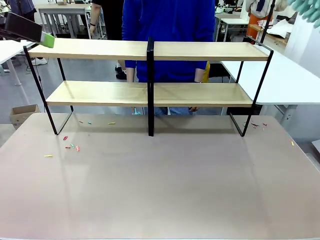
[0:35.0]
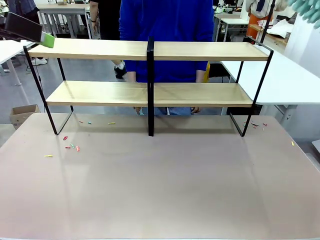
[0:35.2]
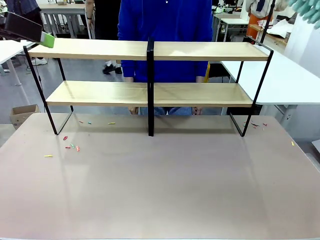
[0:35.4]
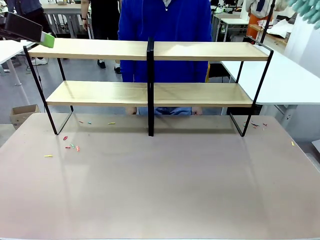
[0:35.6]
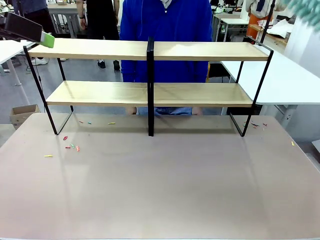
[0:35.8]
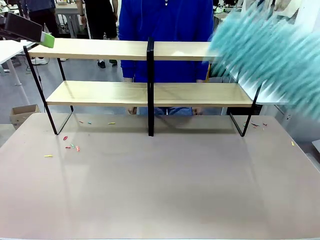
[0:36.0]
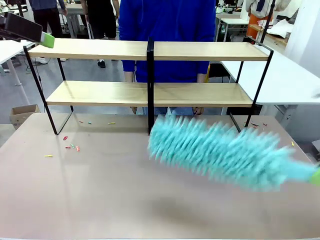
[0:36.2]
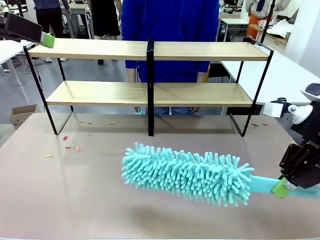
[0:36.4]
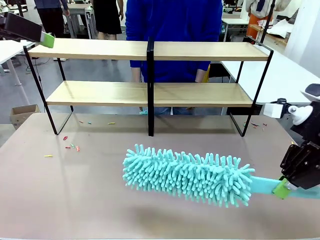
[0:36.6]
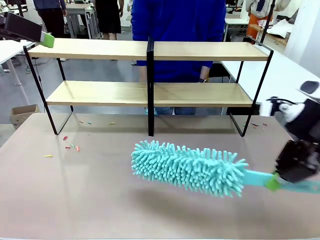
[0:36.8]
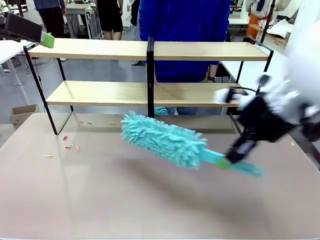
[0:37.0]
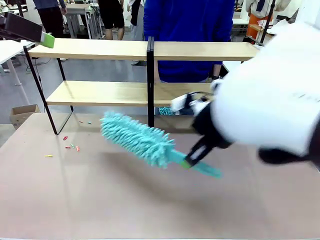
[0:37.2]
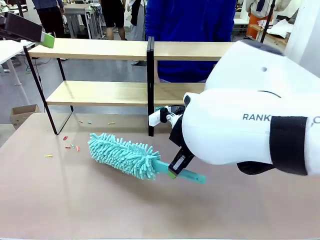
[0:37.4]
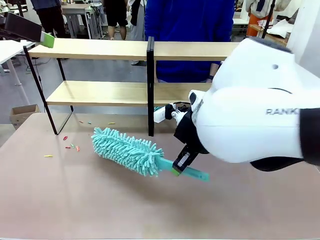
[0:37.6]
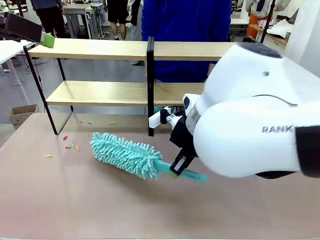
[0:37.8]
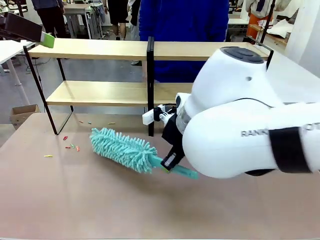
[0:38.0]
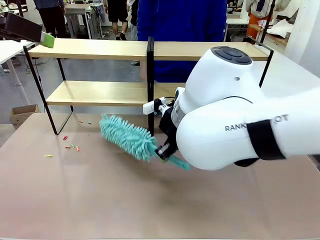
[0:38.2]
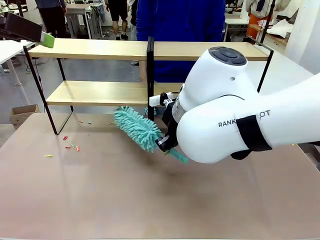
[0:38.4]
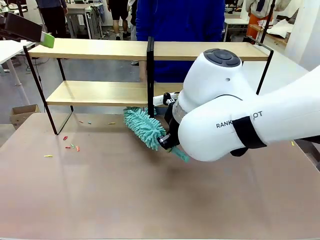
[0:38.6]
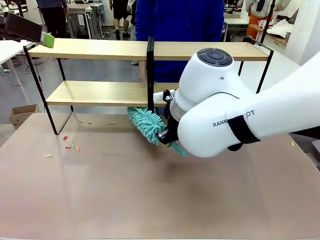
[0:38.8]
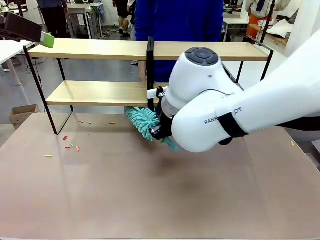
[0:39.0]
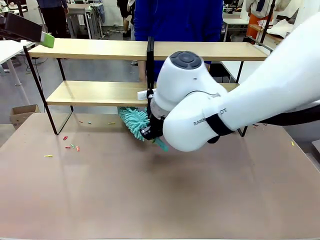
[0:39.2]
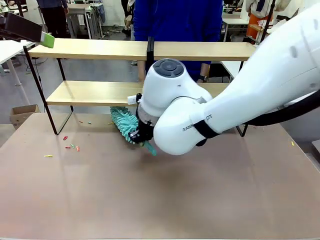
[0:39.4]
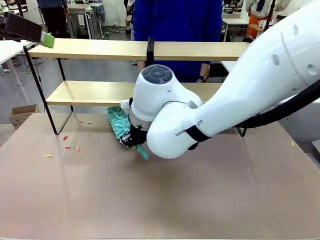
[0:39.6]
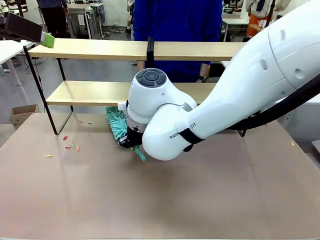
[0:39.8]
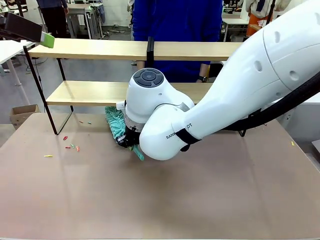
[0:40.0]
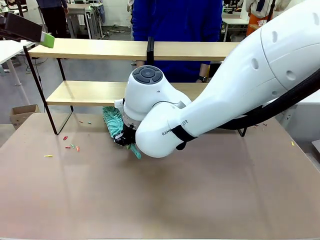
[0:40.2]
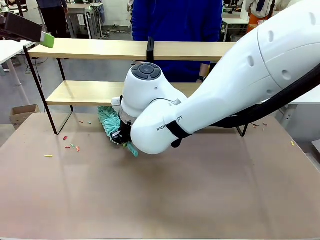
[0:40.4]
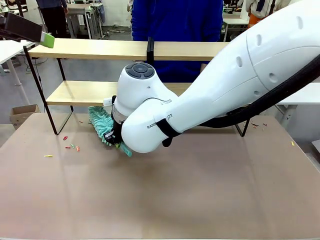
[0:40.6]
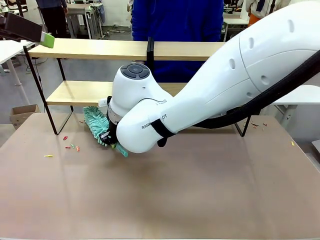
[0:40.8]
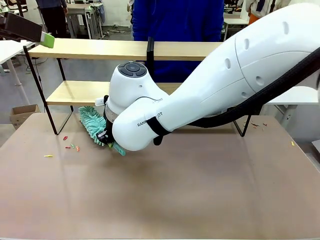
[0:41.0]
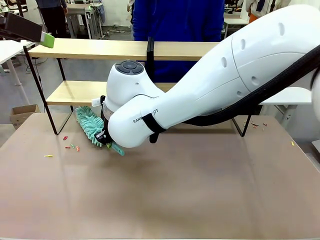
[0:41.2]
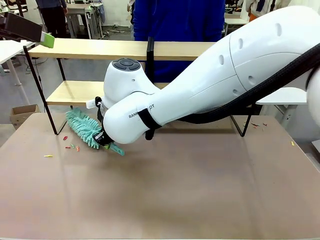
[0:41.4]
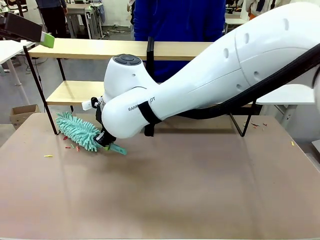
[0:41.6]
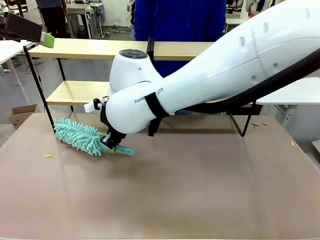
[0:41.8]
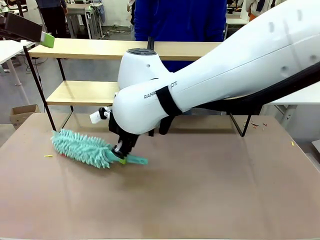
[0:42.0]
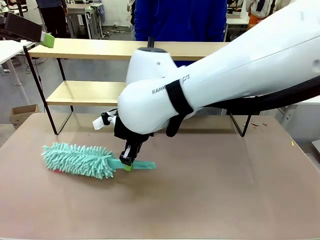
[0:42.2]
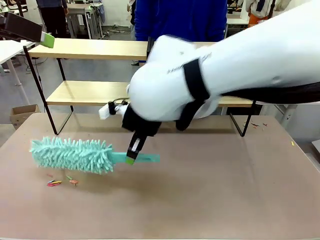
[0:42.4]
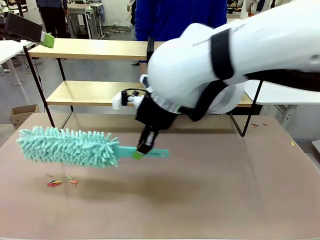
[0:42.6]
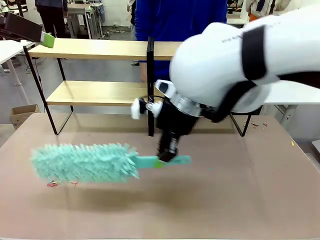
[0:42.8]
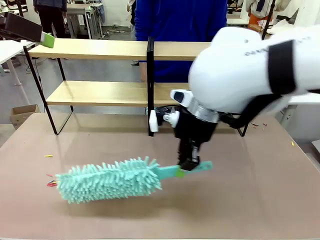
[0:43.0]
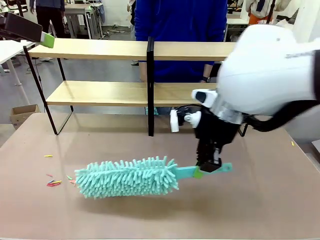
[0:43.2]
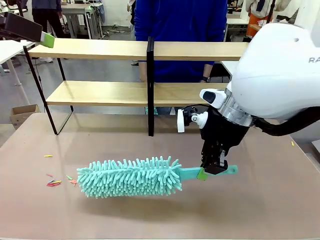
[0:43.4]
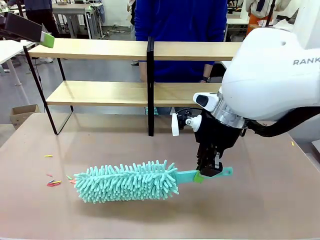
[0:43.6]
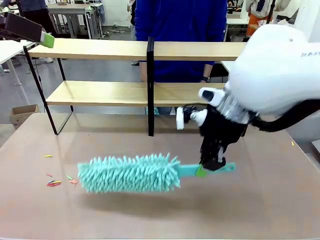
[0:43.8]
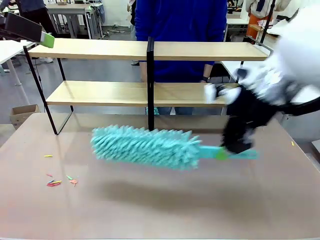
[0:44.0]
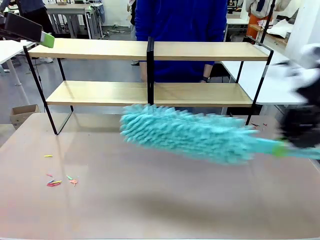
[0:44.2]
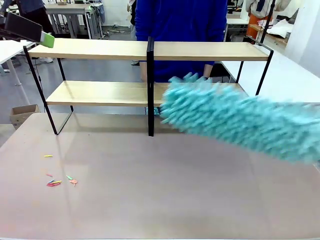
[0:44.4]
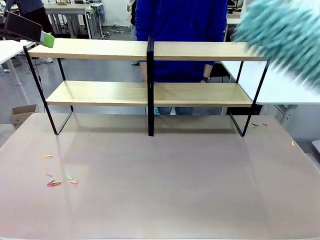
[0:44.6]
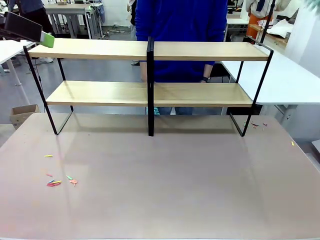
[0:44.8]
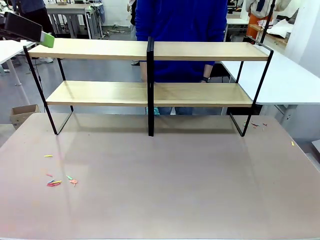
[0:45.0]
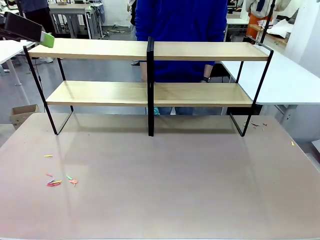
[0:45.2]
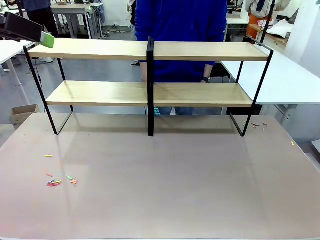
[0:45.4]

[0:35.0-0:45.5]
Task: Clean the shelves.
Robot: Clean another randomly selected level of the Shelf with the Duster.

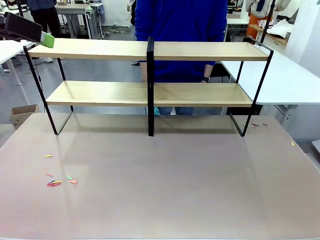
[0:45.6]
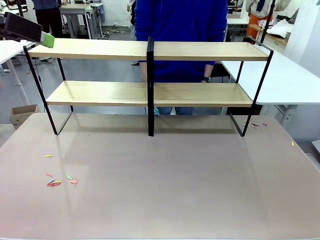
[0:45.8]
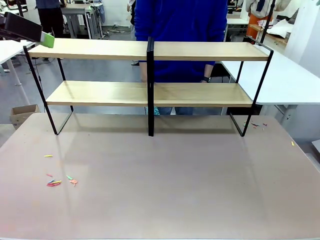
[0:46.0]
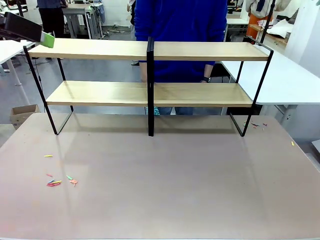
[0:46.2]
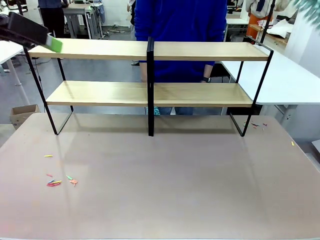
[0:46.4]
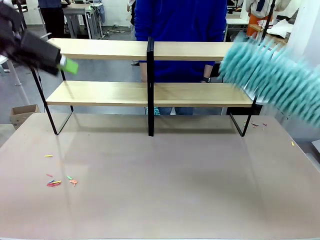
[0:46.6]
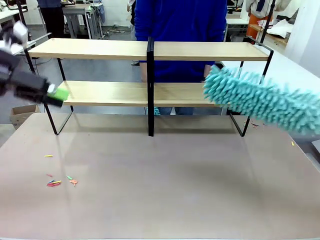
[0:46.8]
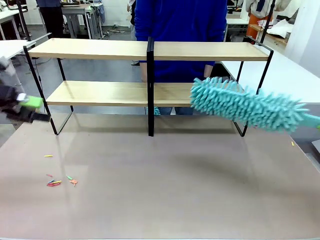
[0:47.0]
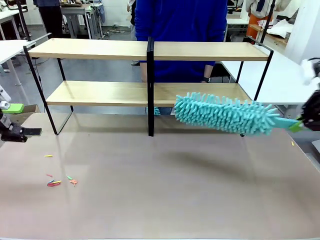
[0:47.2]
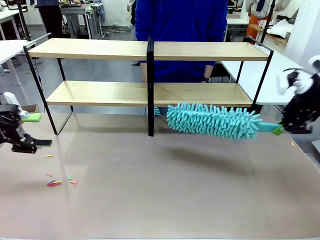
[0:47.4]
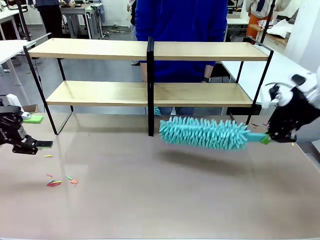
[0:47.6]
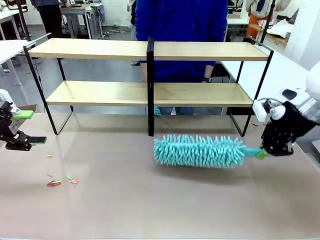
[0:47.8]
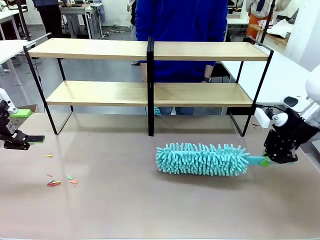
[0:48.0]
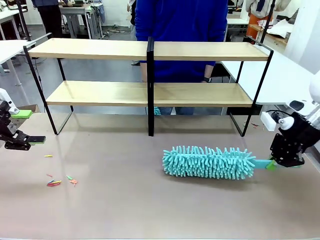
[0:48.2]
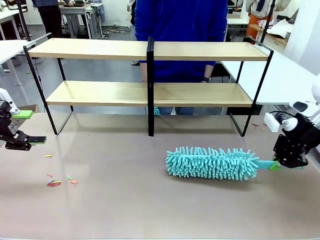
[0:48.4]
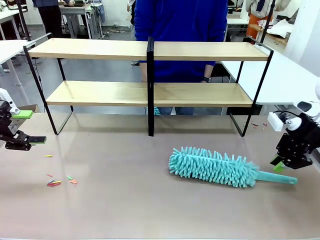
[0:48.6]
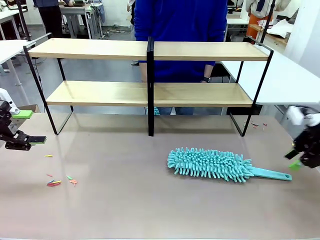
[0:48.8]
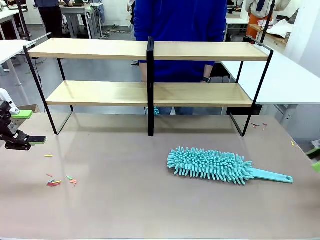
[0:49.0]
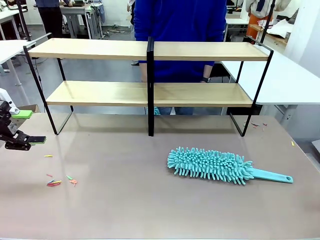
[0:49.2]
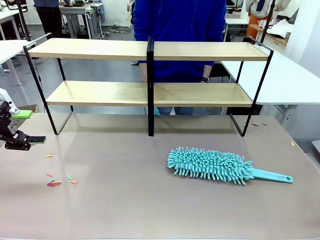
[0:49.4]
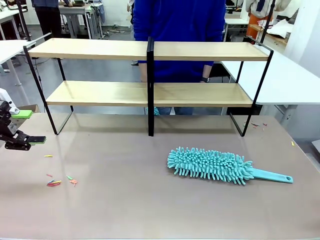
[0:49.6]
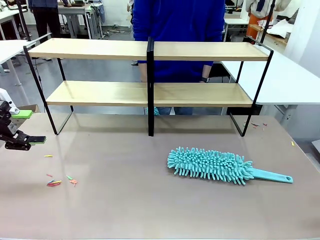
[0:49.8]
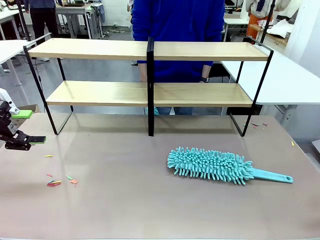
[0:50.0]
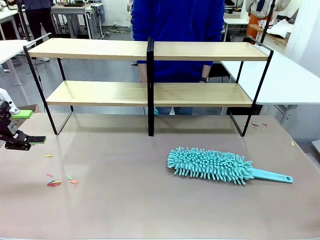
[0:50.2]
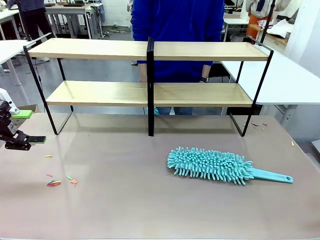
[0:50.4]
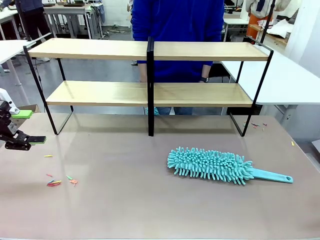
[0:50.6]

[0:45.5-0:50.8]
Robot: Place the Duster on the table.
